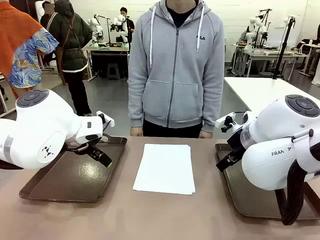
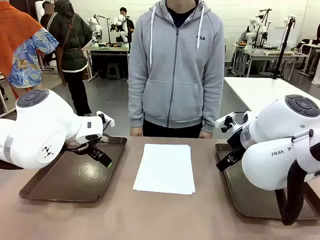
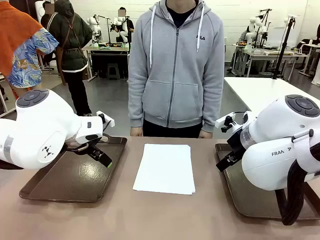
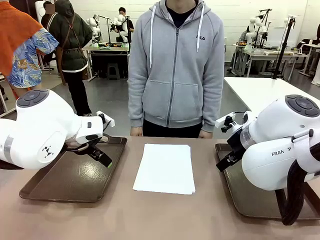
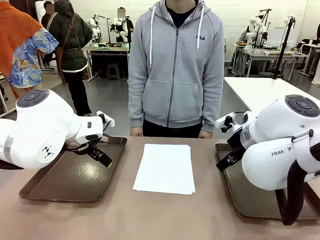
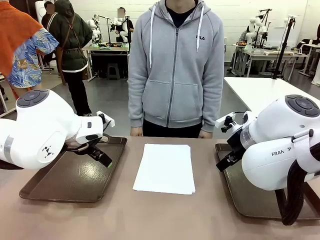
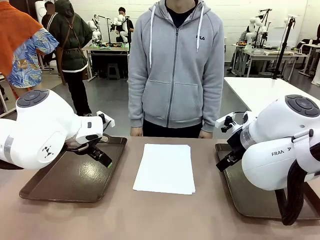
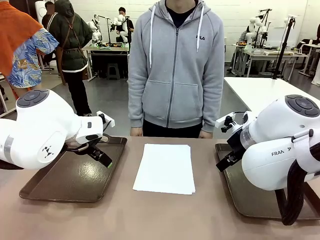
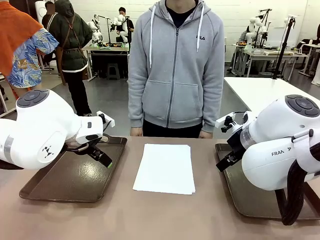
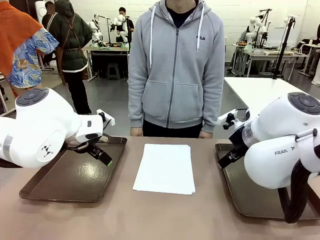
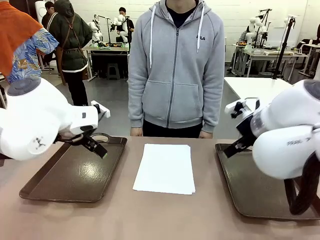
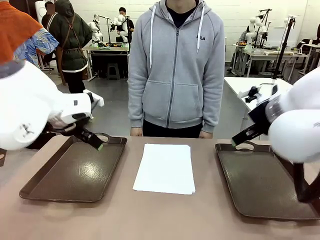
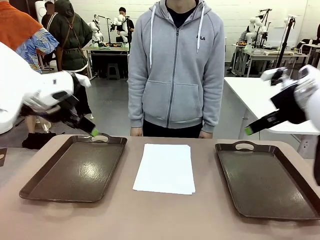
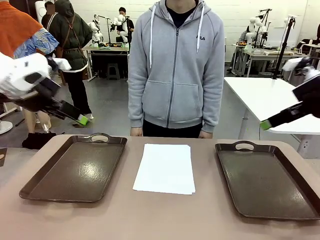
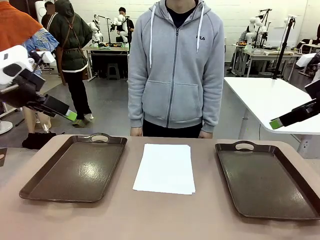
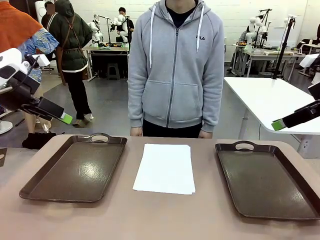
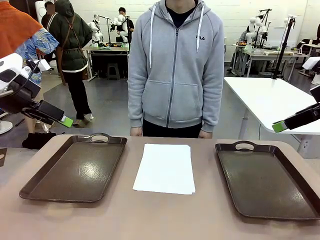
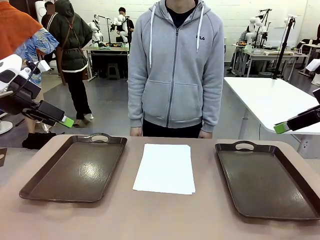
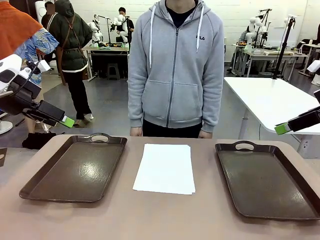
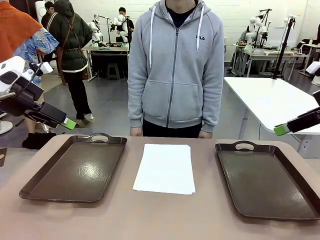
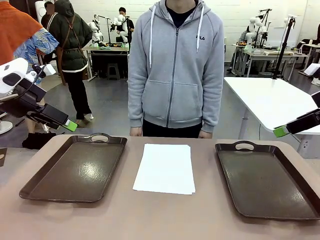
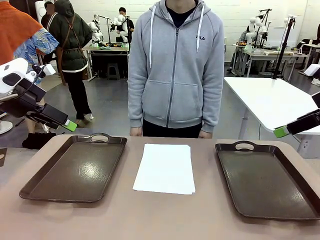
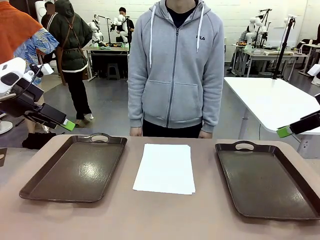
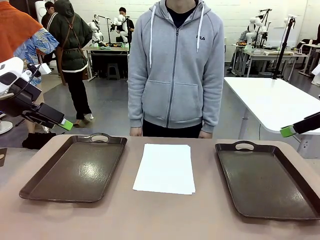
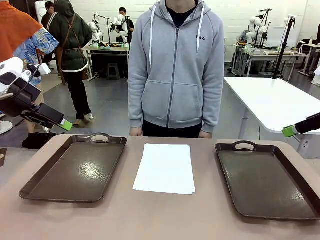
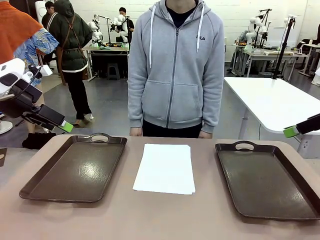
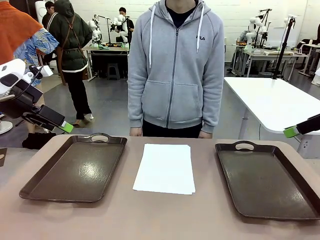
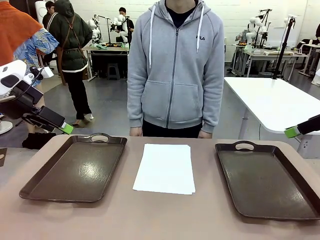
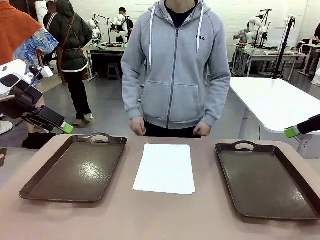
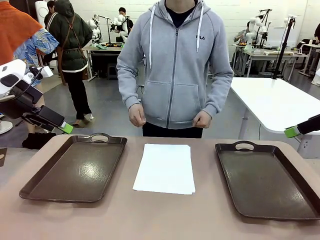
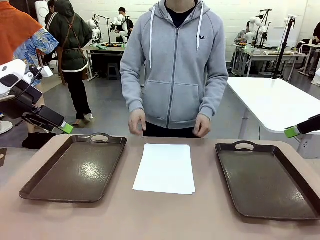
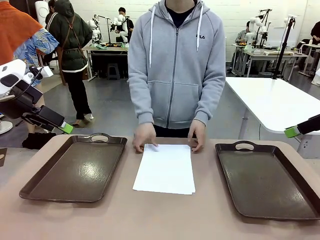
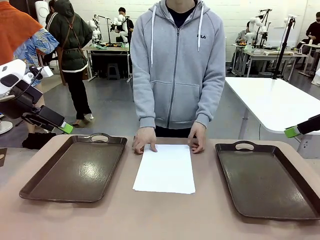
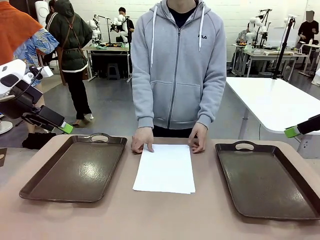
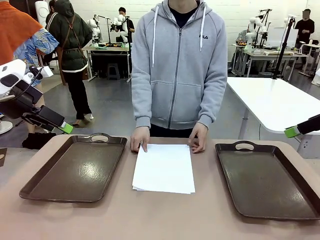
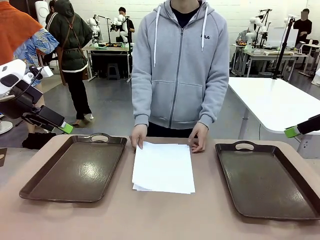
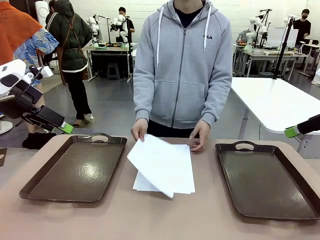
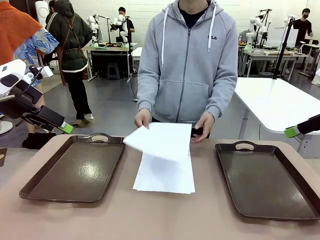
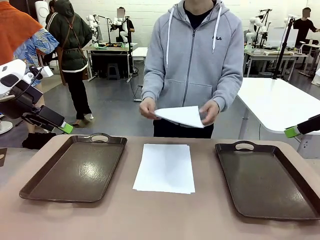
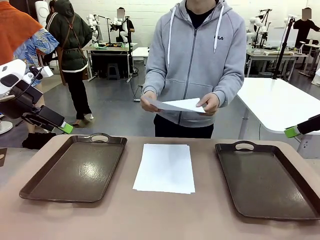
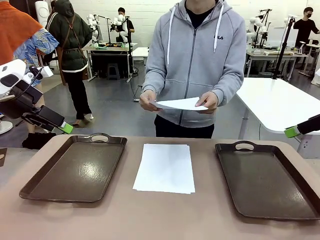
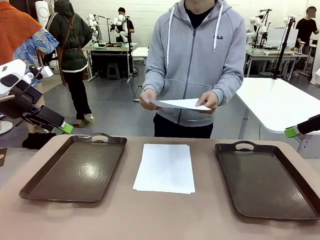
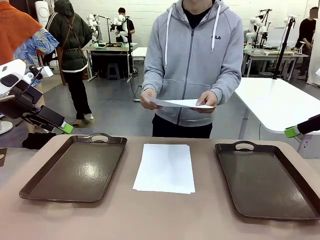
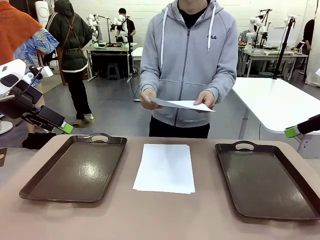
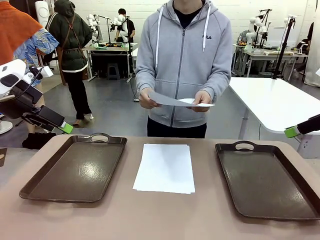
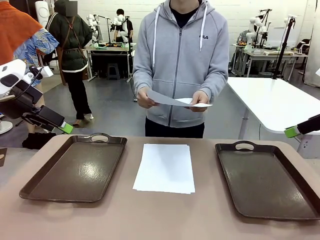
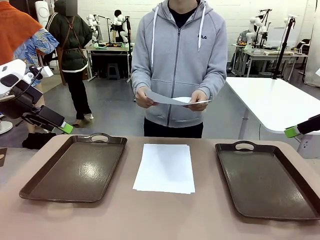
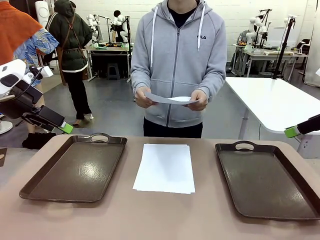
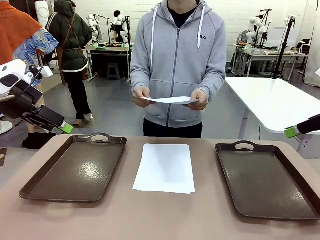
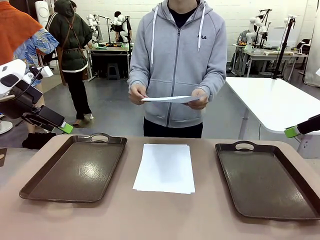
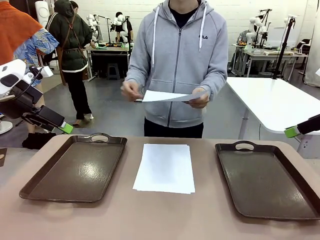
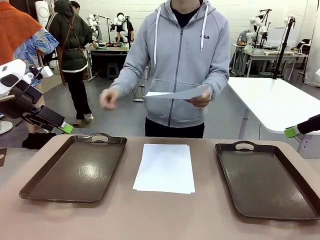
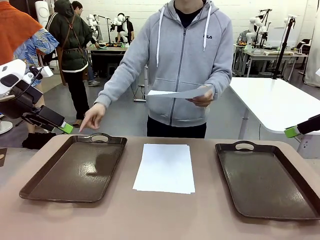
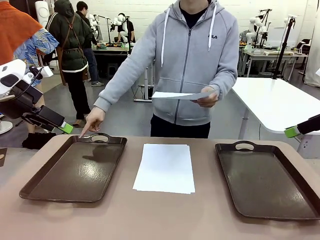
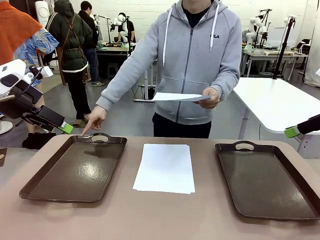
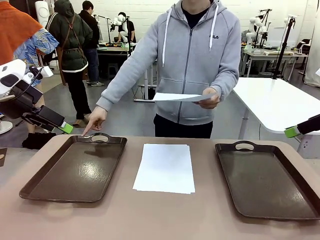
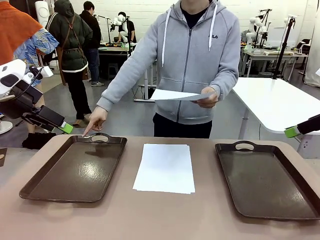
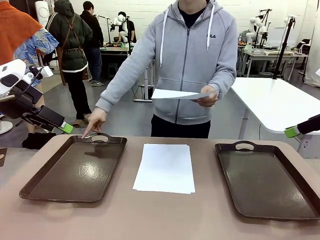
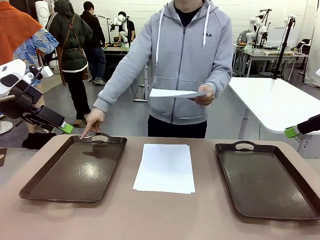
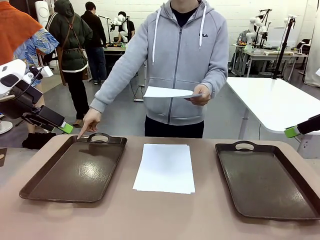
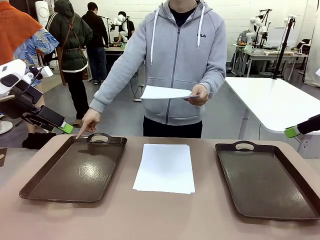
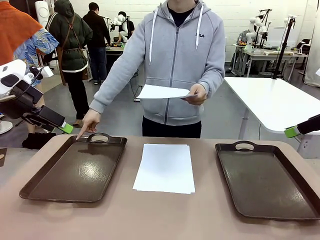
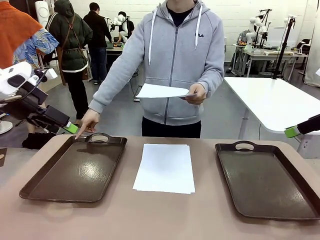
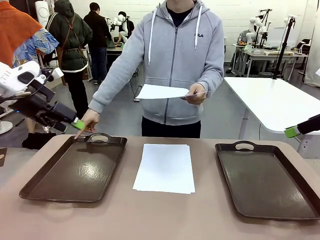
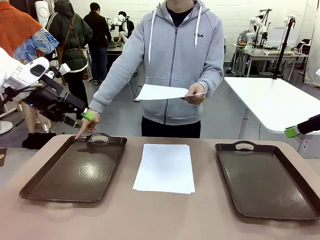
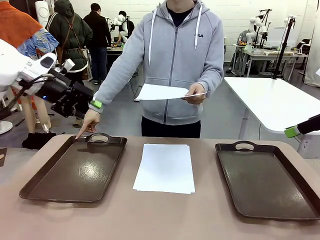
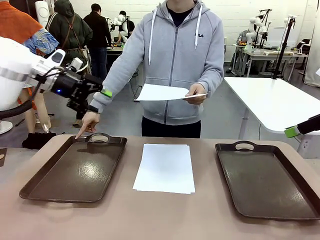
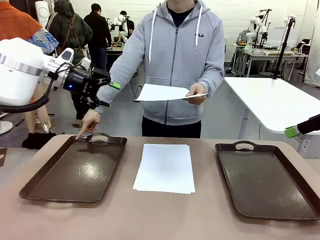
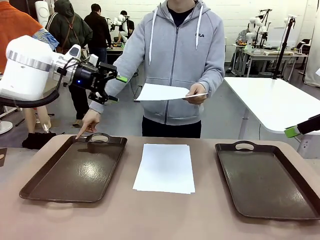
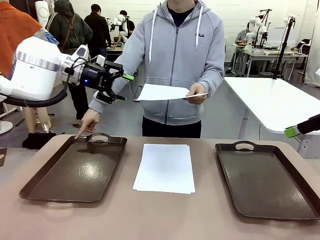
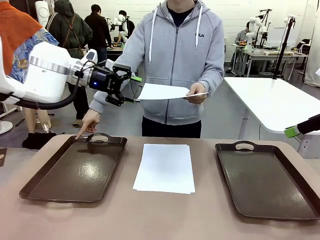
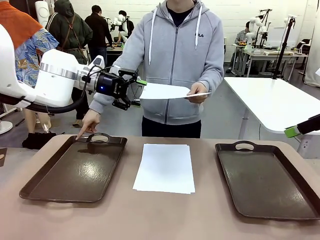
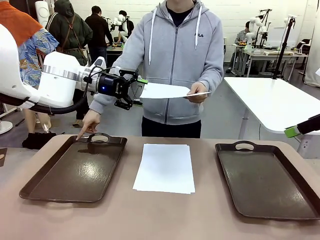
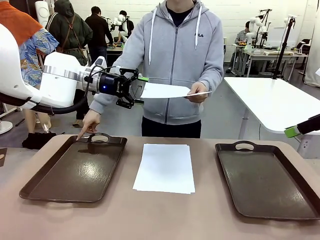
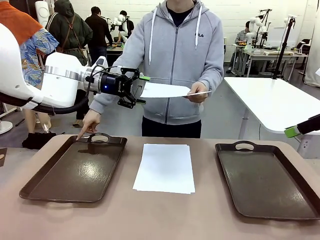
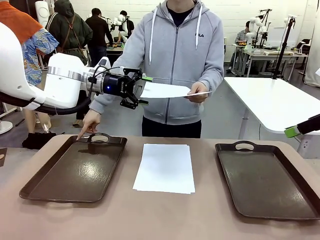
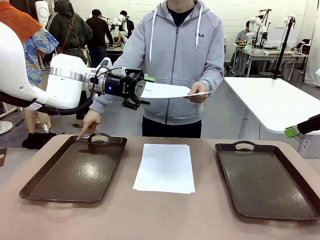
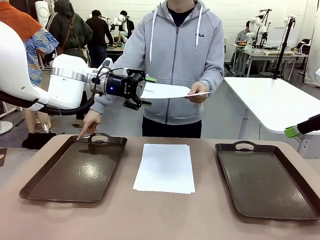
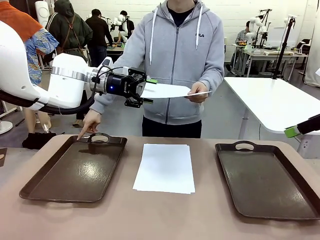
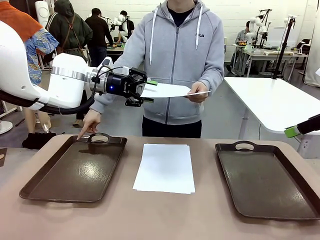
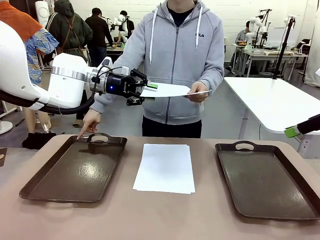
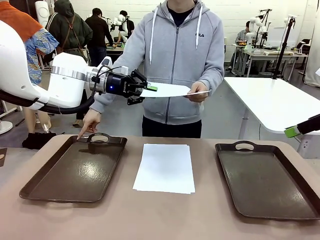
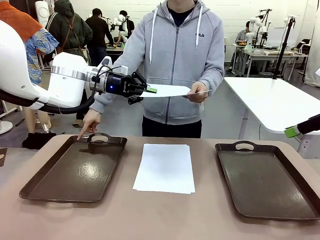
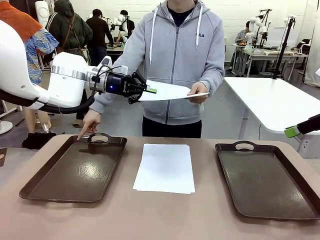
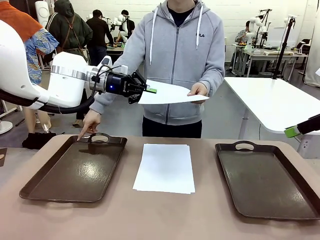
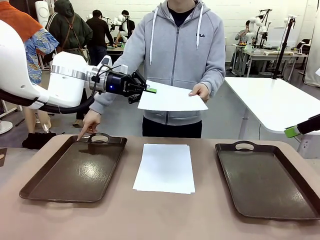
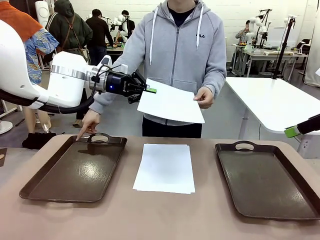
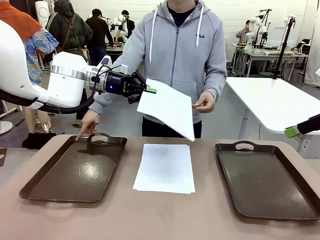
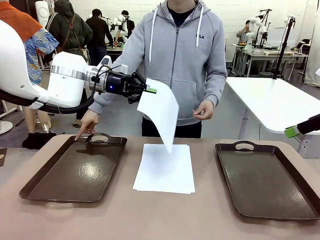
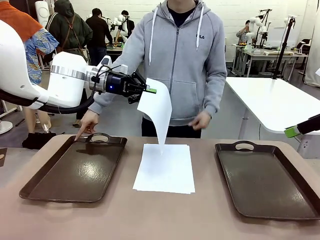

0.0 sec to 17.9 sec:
Task: Sort the A4 documents.
Robot: Receive the A4 Paper.
Person: Pick up a sheet of paper from the center of the table and hand it to the robot. Point the randomly selected tray with the other hand.
